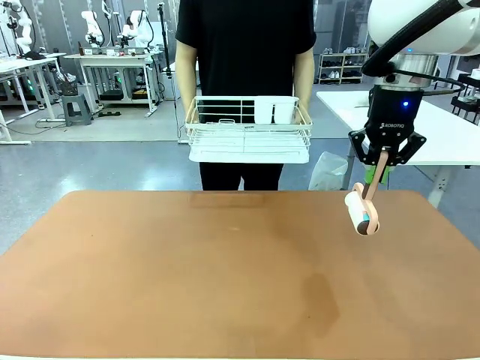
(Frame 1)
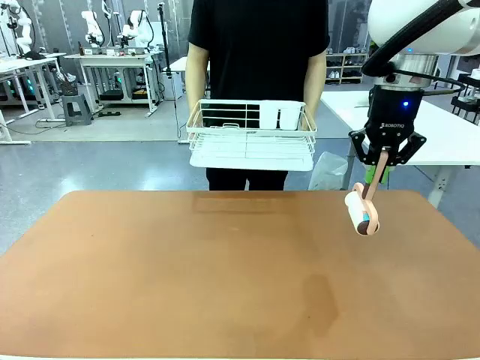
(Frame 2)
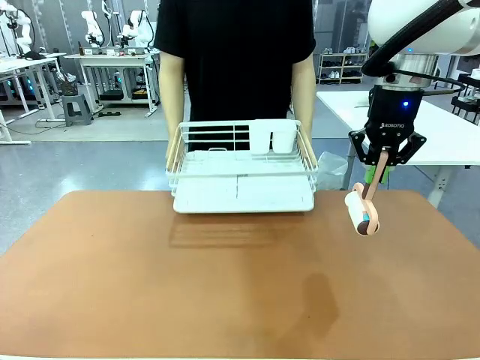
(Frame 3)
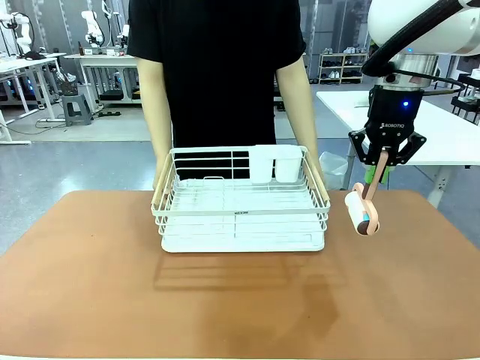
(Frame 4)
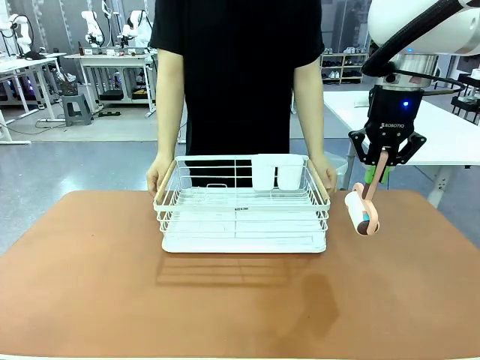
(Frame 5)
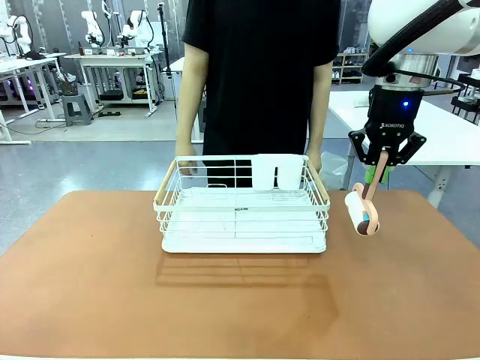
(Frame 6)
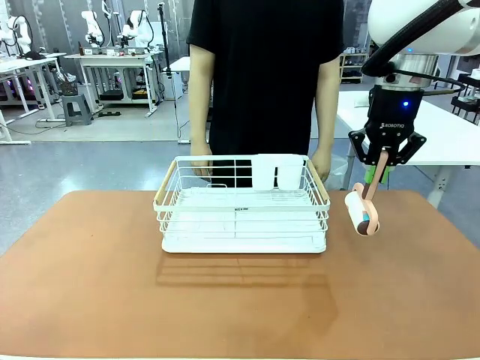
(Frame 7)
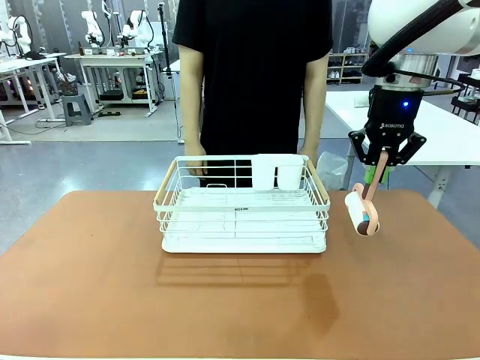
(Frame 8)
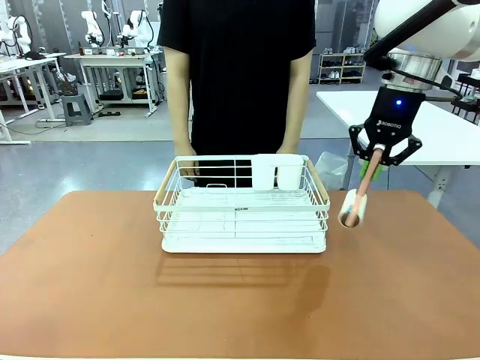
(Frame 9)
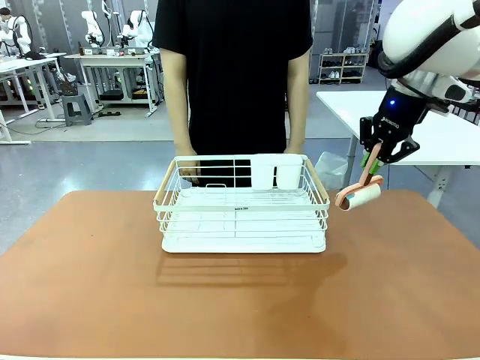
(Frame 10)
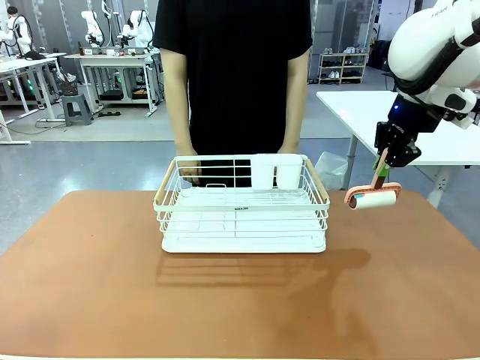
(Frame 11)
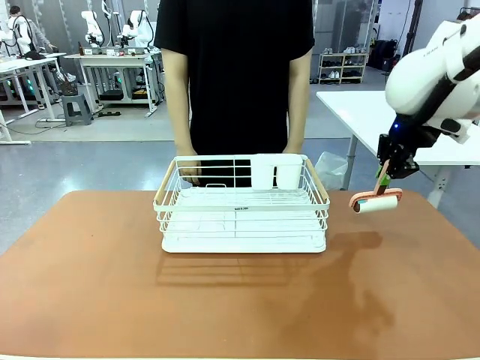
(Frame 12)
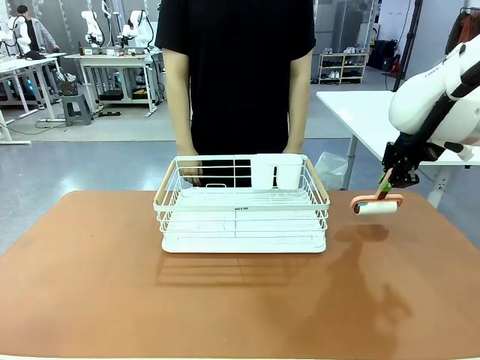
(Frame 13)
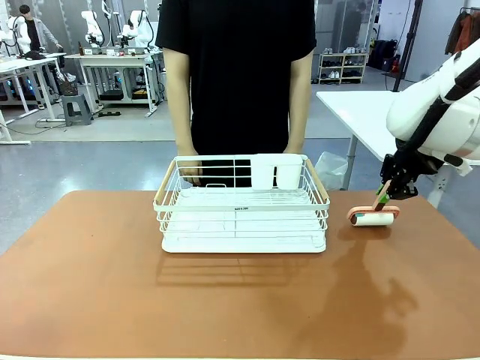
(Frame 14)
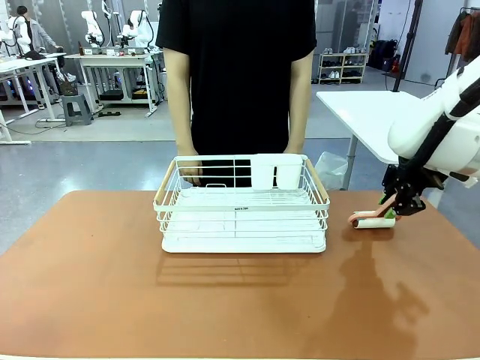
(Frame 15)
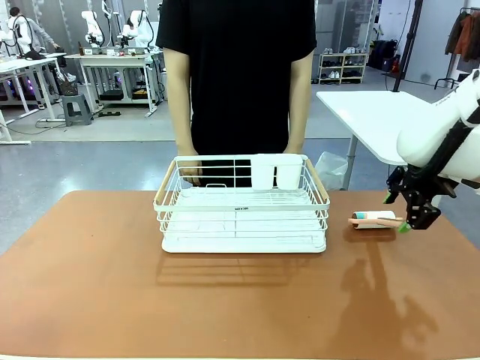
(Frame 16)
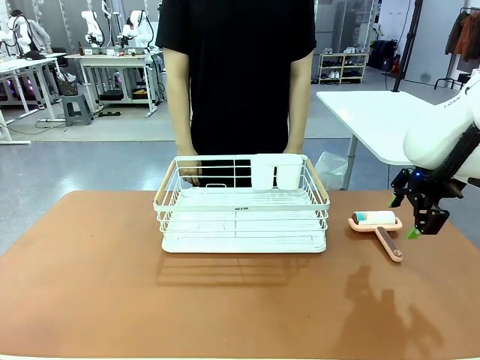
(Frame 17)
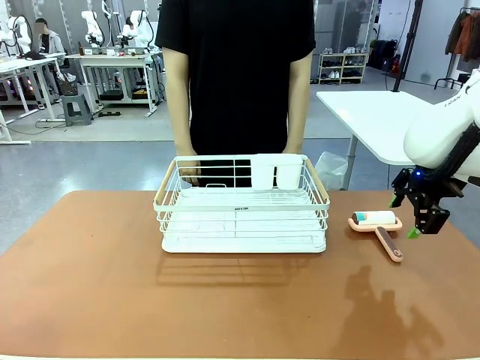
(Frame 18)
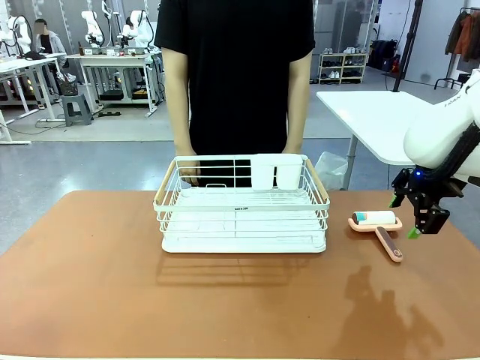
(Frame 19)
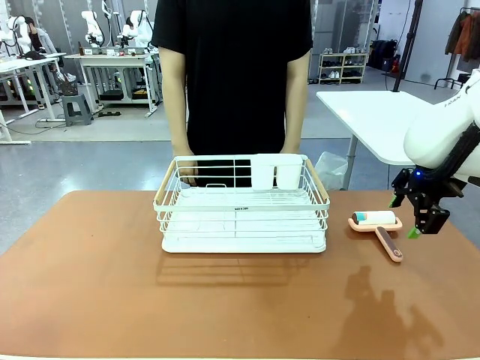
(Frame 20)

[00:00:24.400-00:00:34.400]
Task: Clean the table.
Robot: Place the Lint Roller down when the Dish drying rack is positioned in the middle of the table.
Person: Place the Dish drying rack down when the robot finishes cleaning.

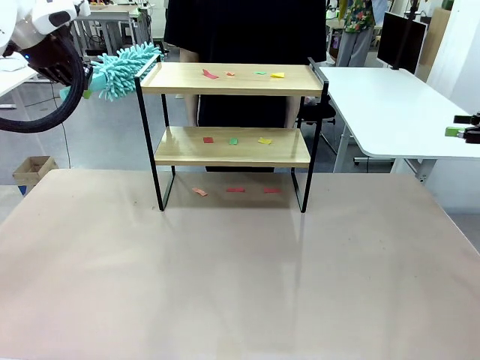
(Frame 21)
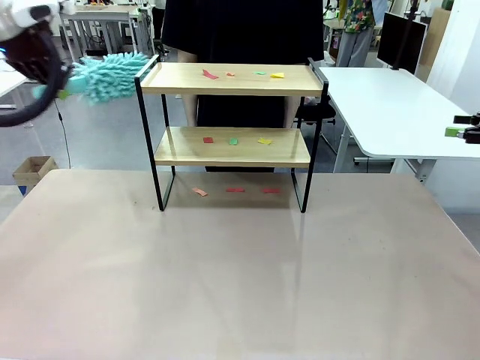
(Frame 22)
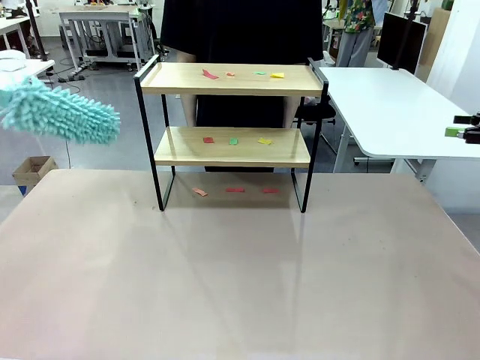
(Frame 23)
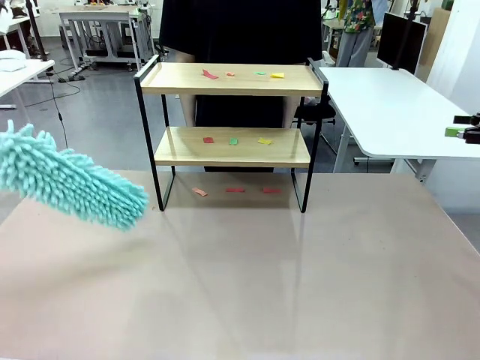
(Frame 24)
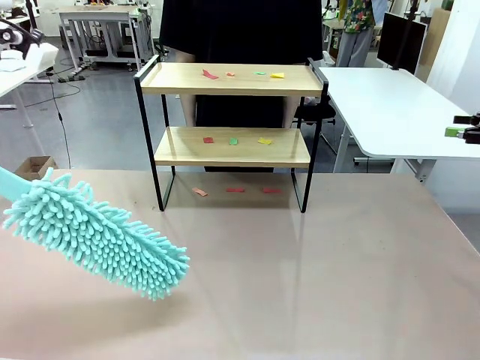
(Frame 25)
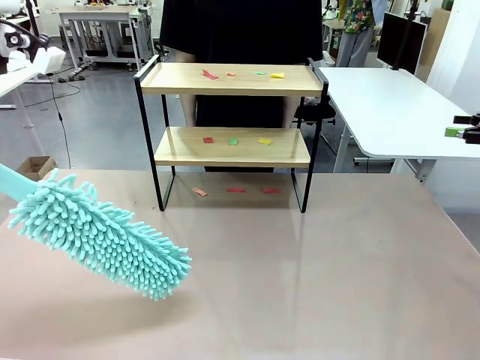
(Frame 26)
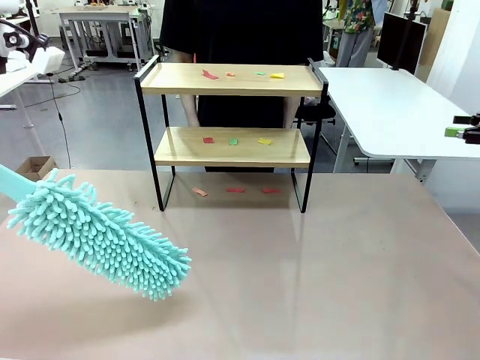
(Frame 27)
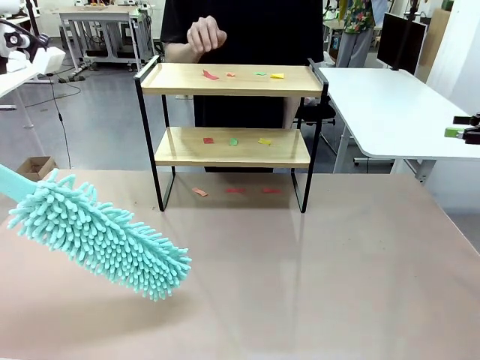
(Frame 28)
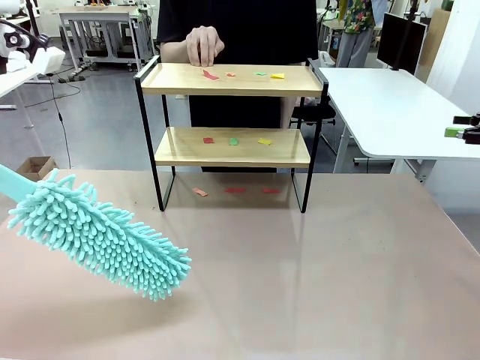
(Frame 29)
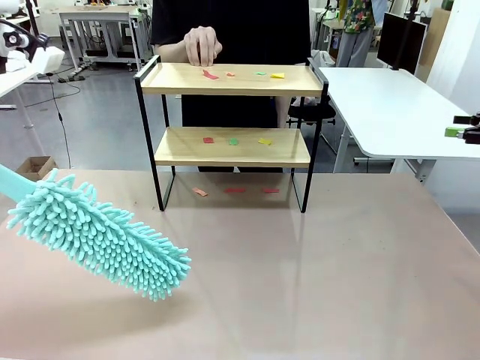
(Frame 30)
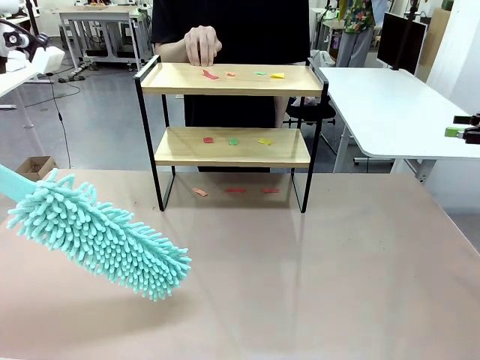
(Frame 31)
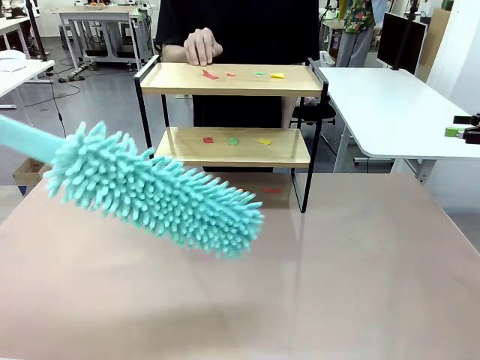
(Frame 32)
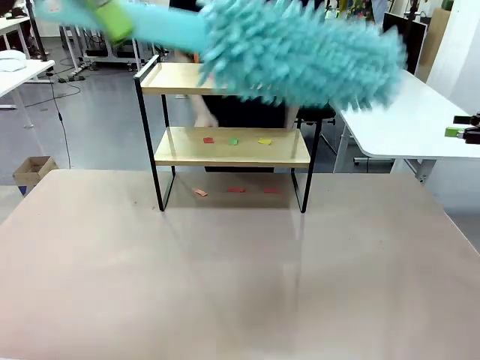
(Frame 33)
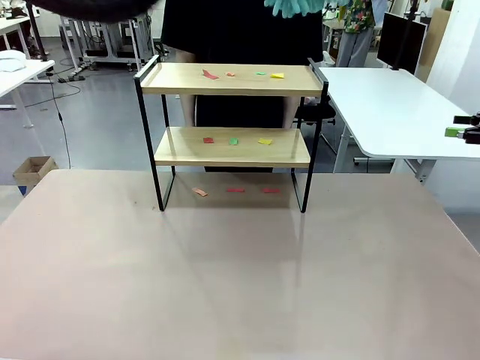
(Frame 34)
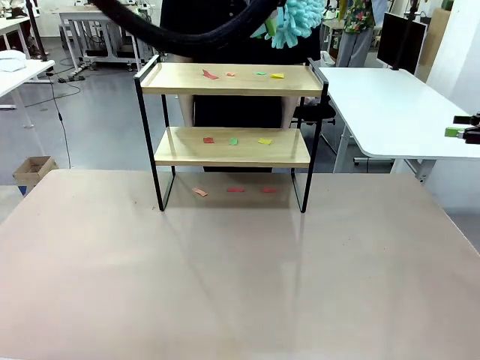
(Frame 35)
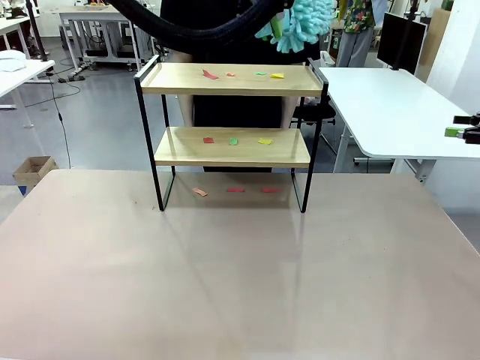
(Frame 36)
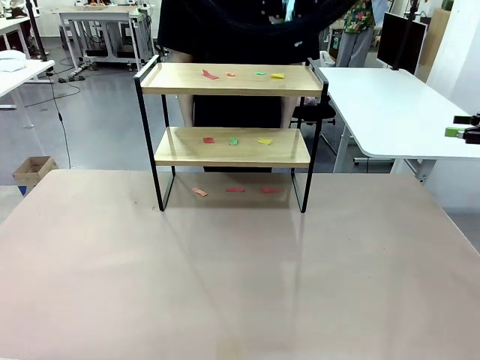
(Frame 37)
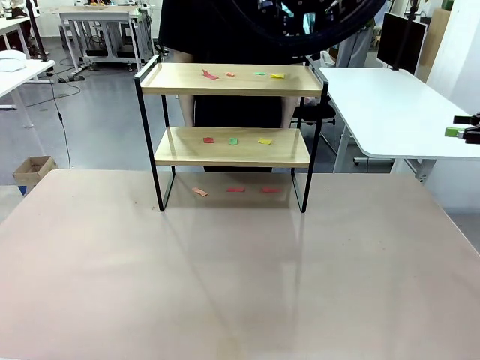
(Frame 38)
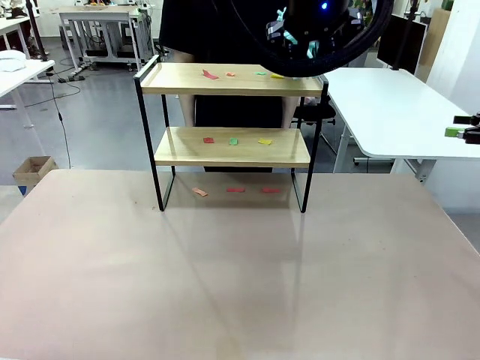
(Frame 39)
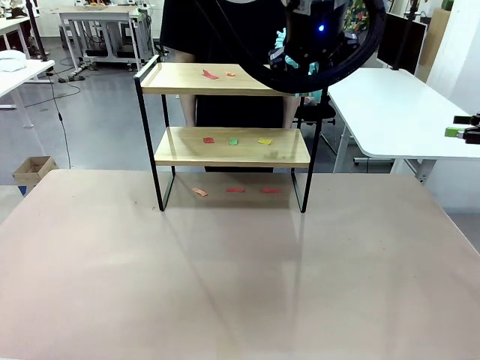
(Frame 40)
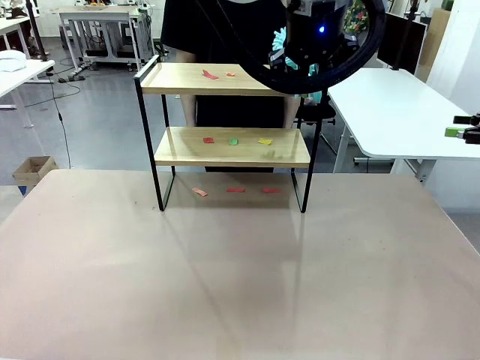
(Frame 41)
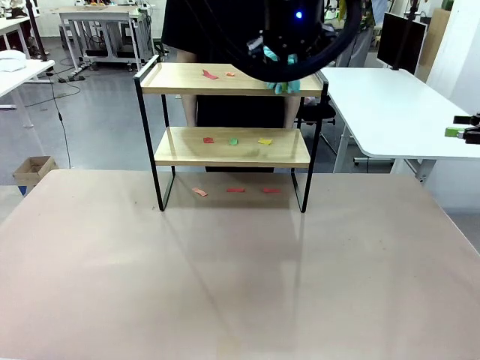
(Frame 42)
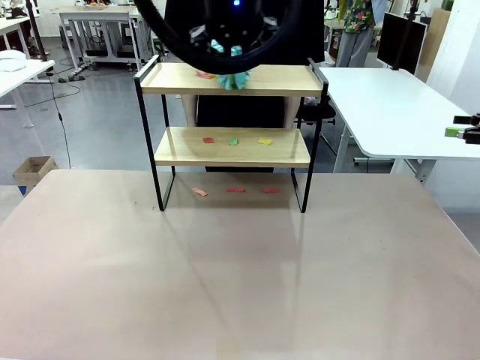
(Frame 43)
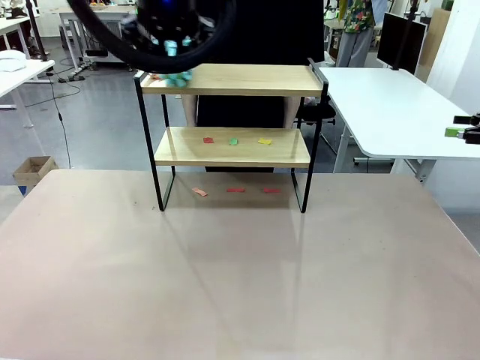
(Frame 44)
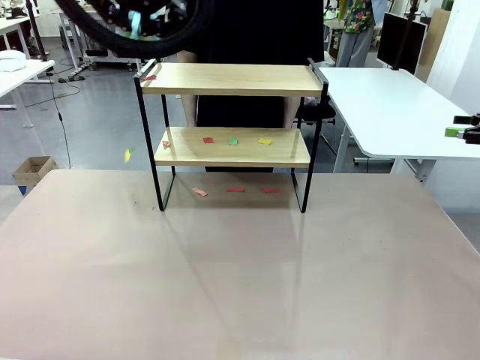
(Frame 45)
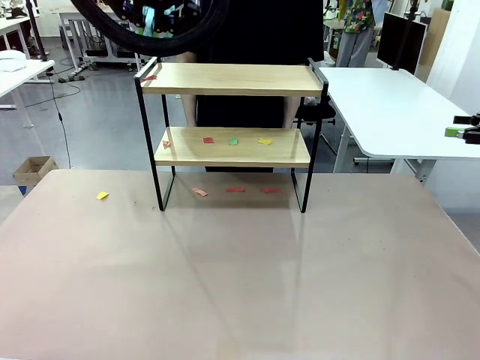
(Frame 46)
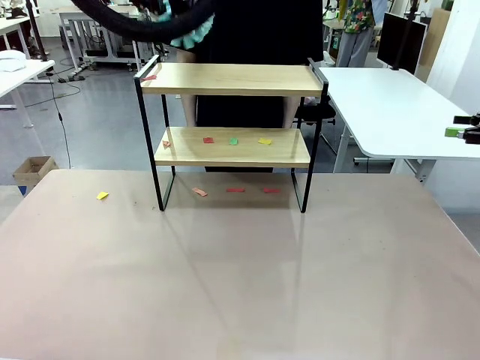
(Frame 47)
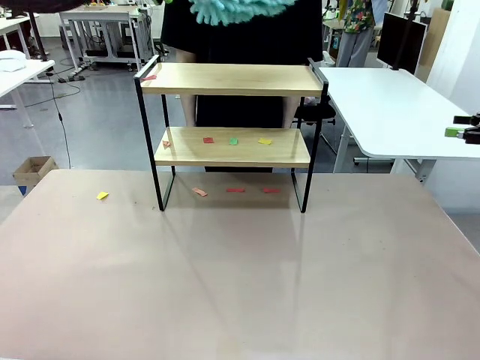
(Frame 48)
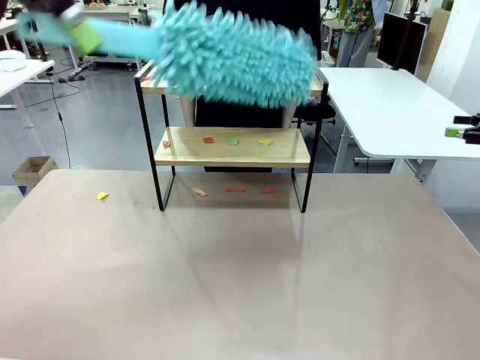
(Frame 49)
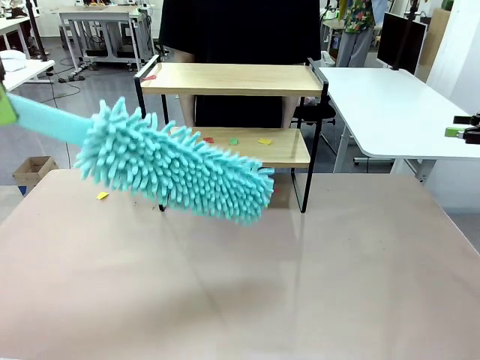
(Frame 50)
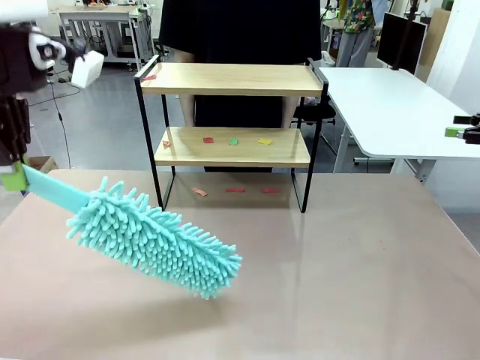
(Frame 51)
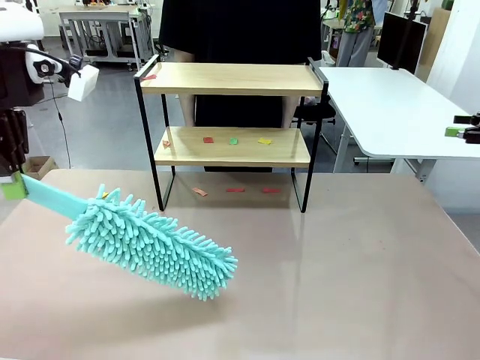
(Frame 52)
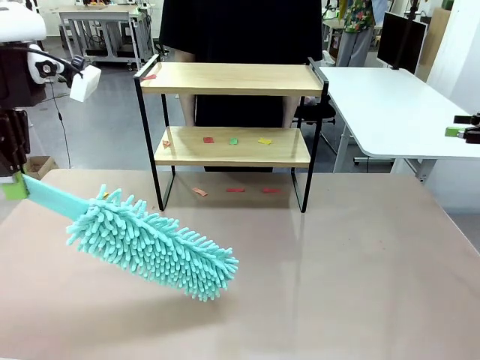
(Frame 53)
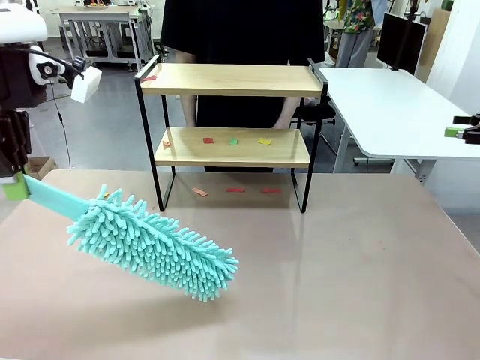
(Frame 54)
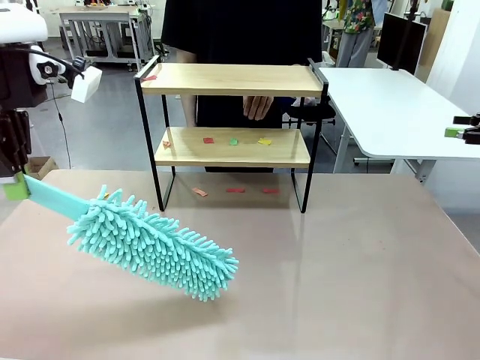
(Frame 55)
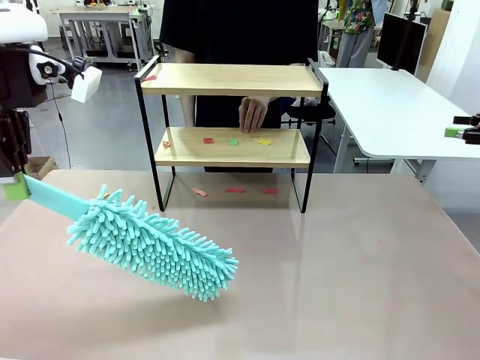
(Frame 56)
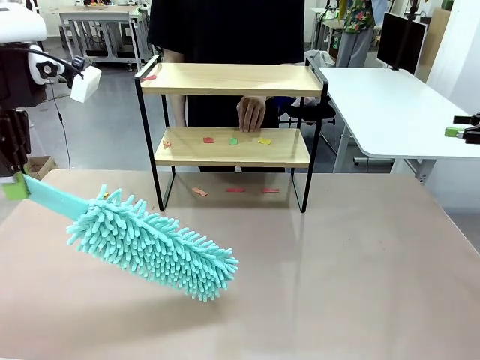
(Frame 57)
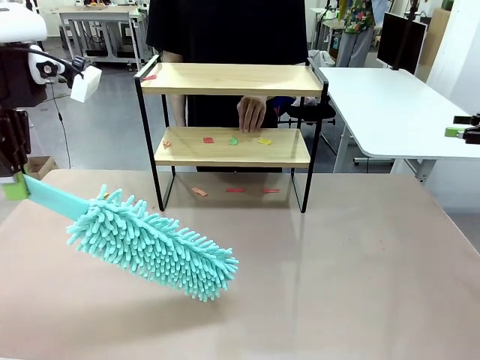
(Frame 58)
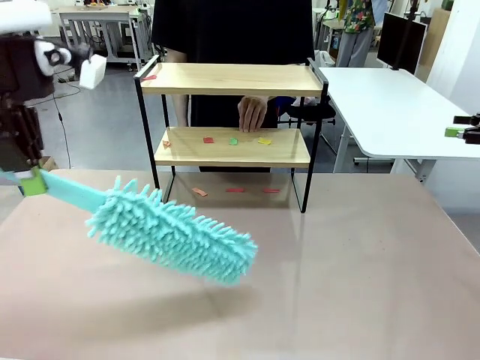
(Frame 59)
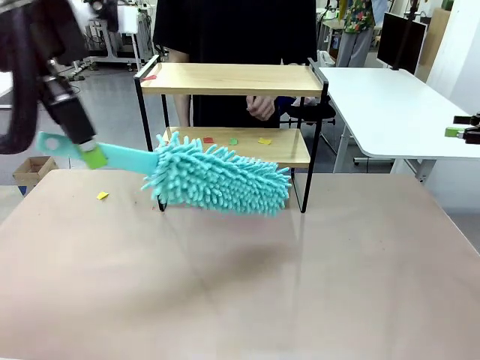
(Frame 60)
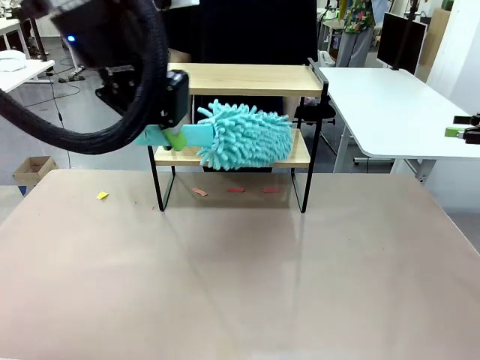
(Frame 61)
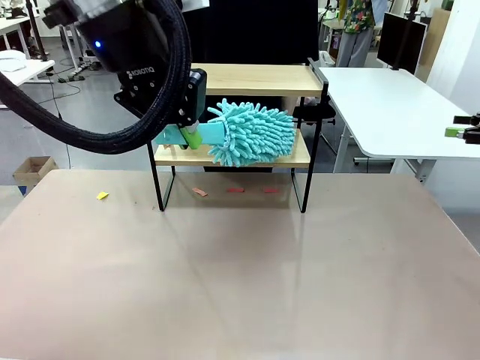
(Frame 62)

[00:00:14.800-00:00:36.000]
Task: Clean the shelf.
Robot: Clean the specific section of the Shelf indicated by the human with the Duster.
Person: Point a random section of the Shelf.
